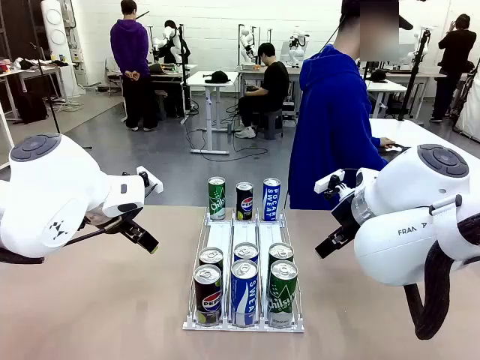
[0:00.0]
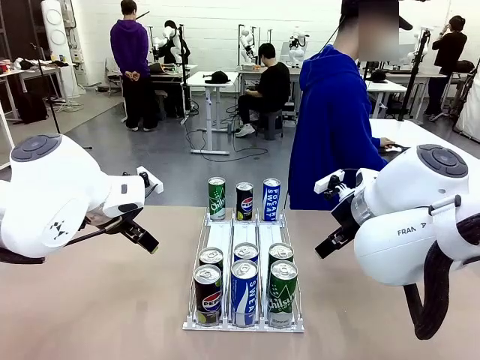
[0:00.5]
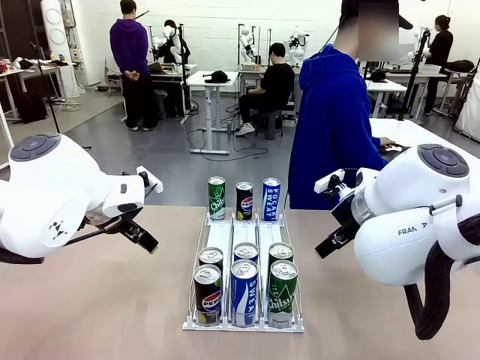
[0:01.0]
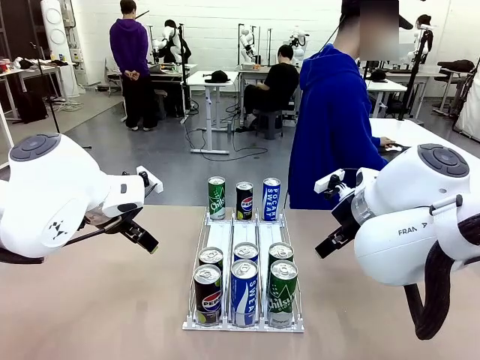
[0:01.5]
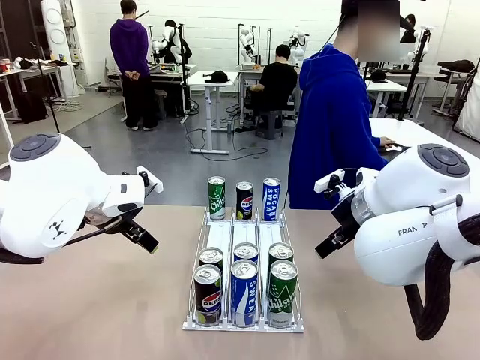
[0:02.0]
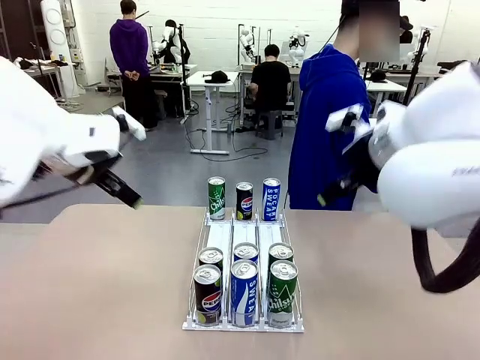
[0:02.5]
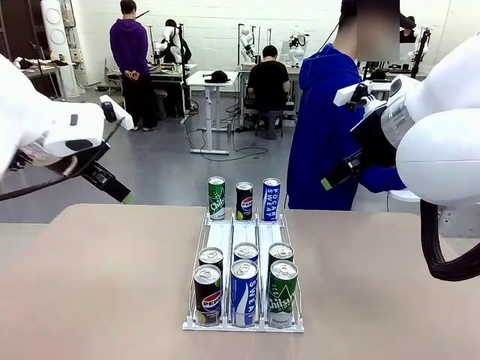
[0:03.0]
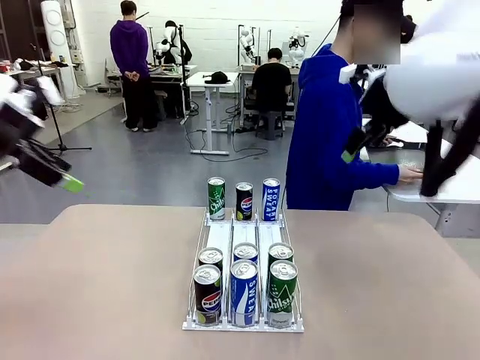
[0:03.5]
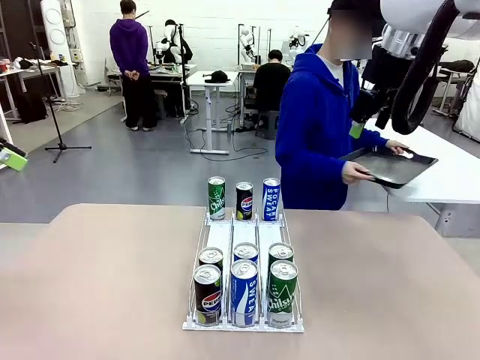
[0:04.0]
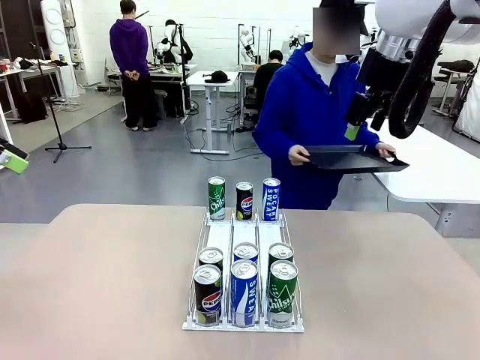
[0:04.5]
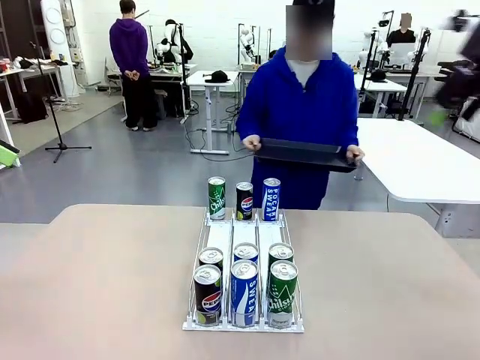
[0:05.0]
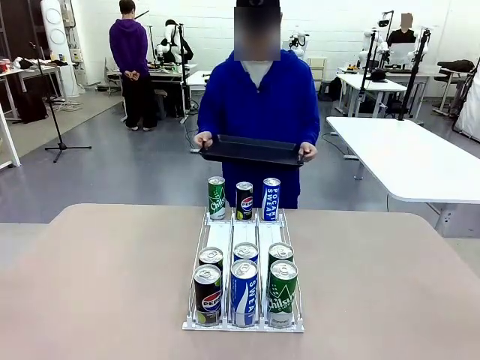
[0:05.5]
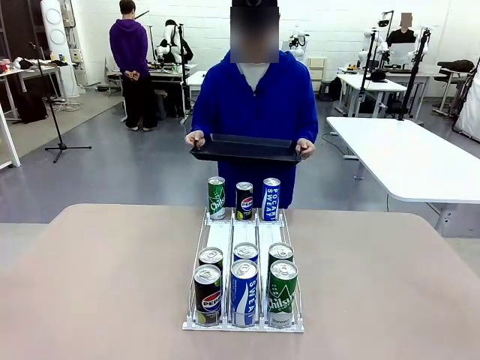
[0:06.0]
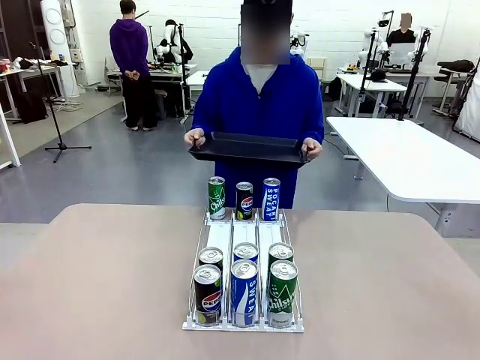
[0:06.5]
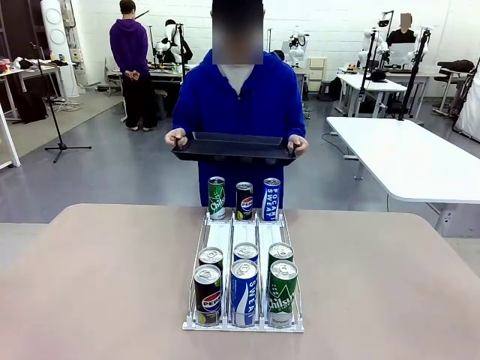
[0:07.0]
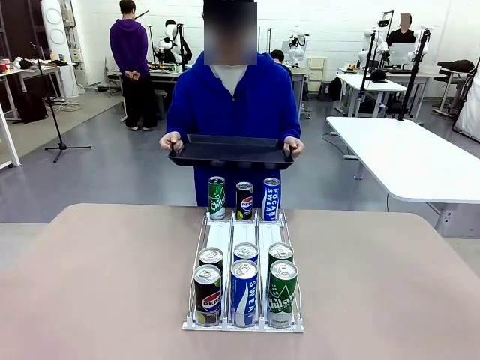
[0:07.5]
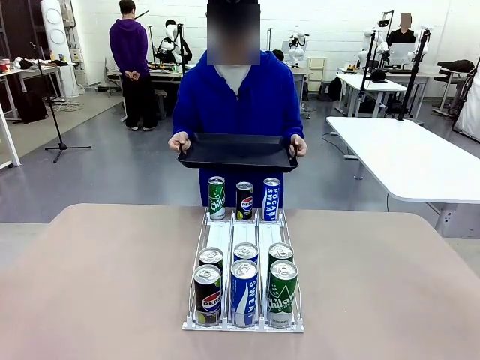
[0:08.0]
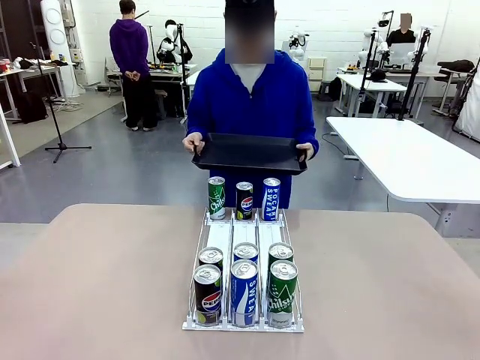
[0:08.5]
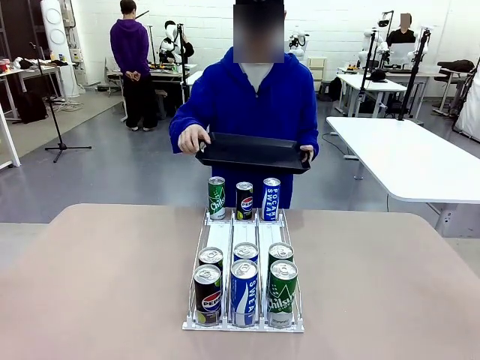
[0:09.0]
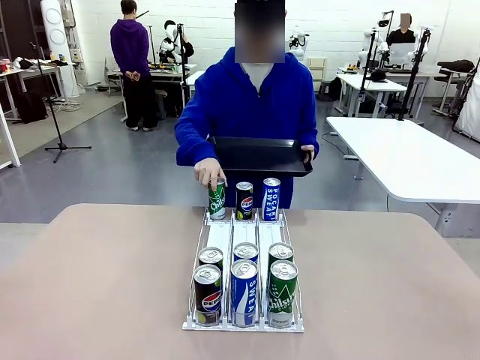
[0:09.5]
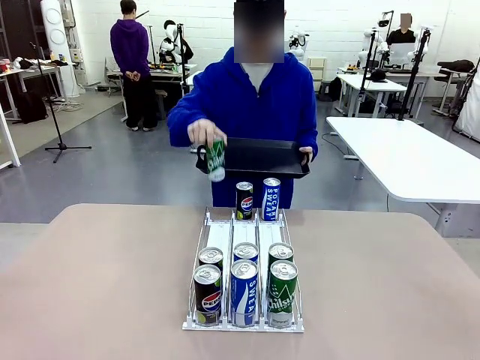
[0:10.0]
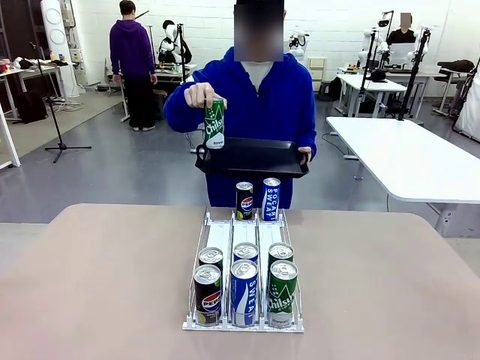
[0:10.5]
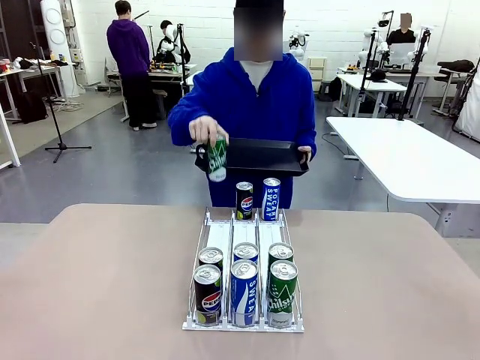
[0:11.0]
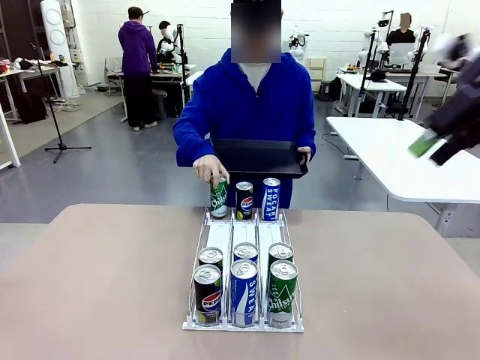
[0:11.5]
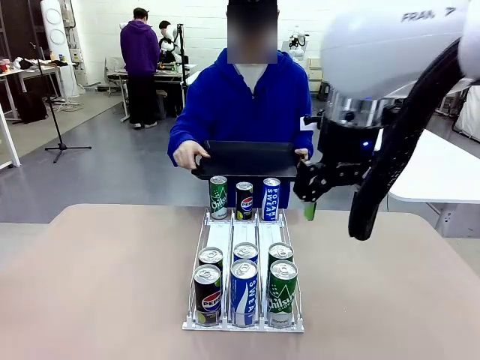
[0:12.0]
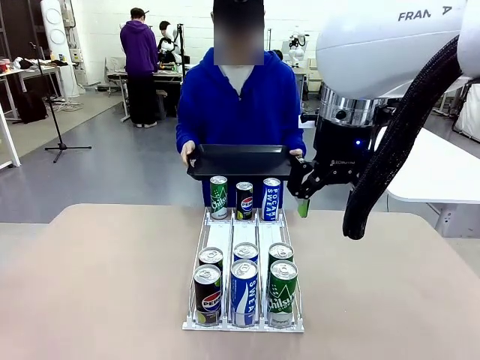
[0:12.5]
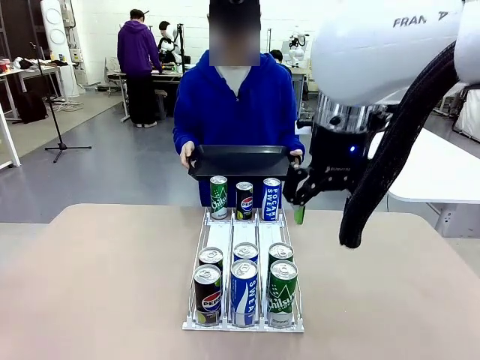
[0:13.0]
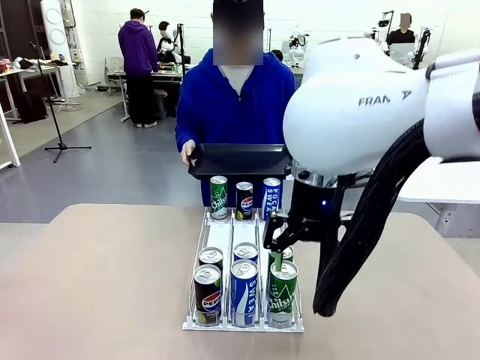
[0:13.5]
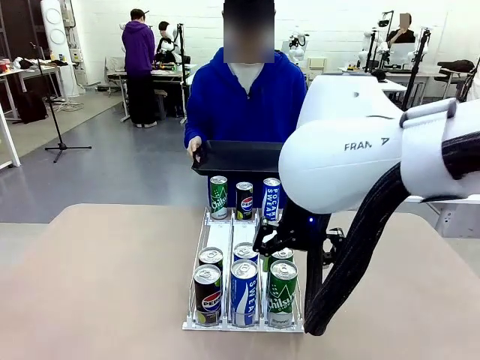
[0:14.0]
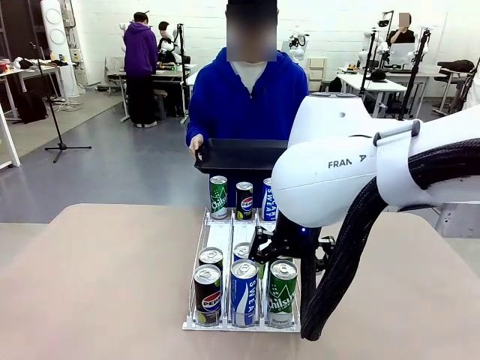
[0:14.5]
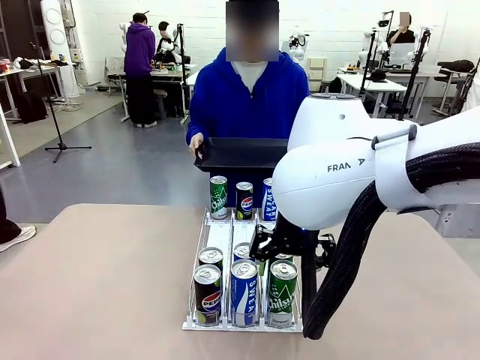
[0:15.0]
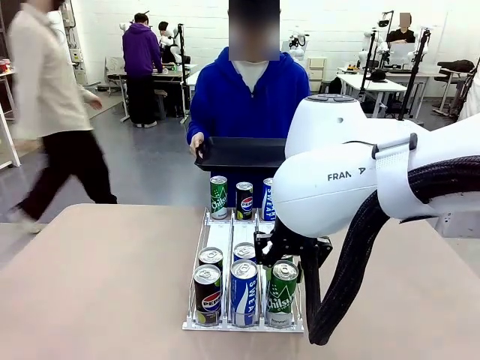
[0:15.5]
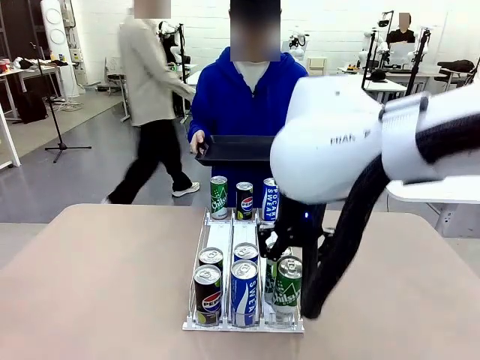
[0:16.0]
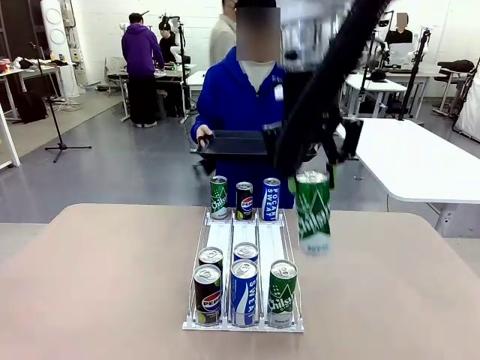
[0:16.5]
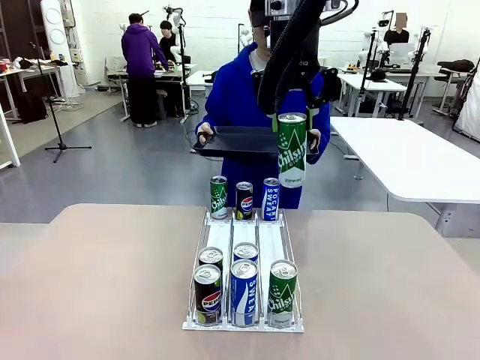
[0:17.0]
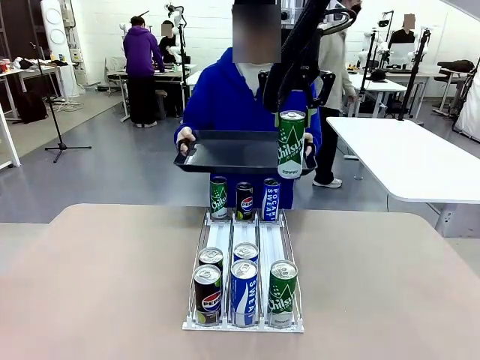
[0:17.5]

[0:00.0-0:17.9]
Task: Retrieve and hand over the desired beverage to the person.
Robot: Pick up a can of the same type that the person held from the Automatic Can Dispenser.
Person: Hold the tray and position yourself in front of the robot table. Pick up one can from the bottom area of the table and puts it back in its original place. Push the tray toward the robot.

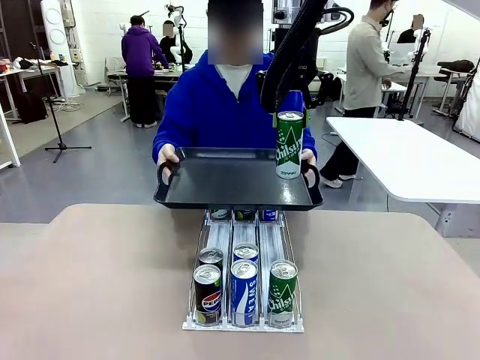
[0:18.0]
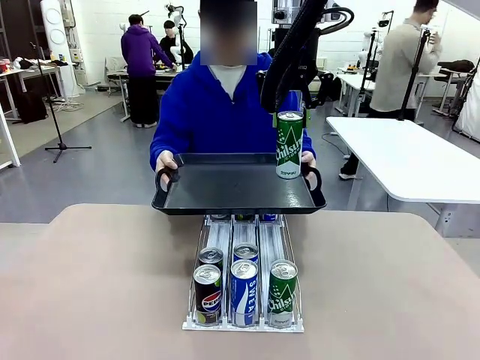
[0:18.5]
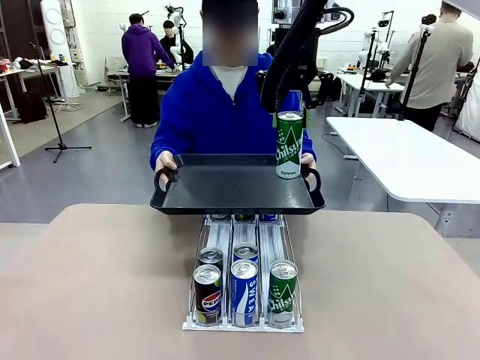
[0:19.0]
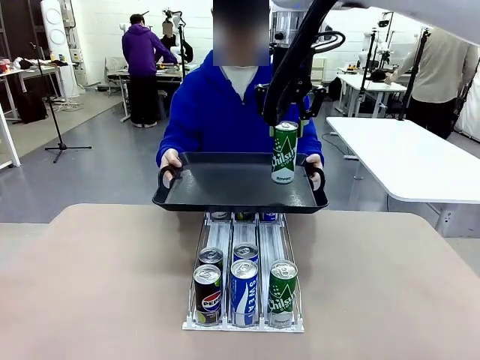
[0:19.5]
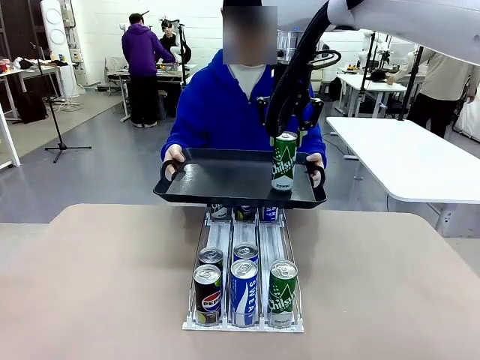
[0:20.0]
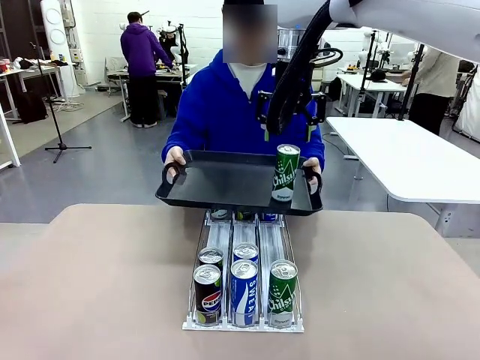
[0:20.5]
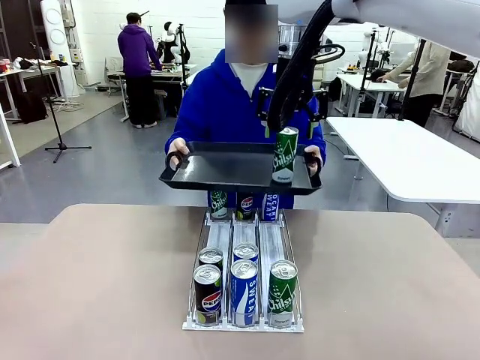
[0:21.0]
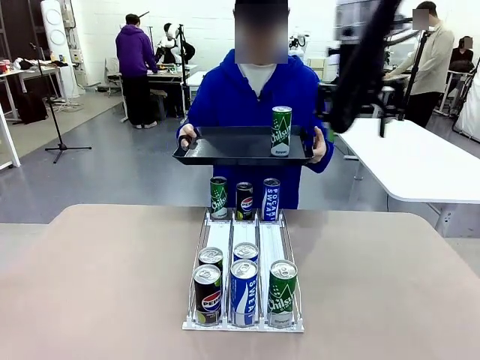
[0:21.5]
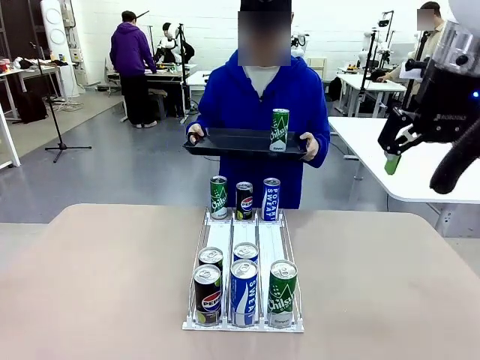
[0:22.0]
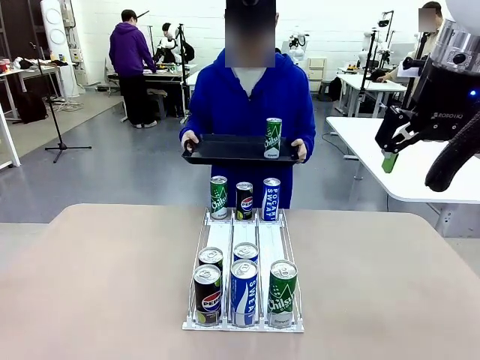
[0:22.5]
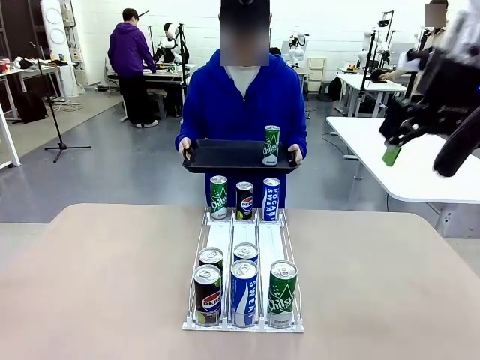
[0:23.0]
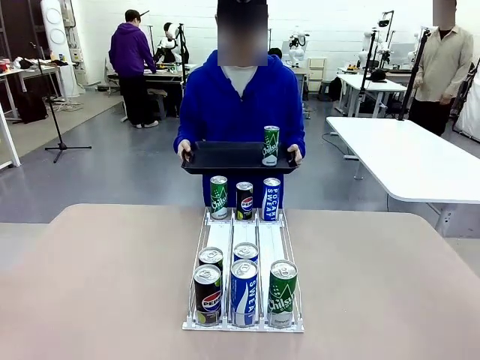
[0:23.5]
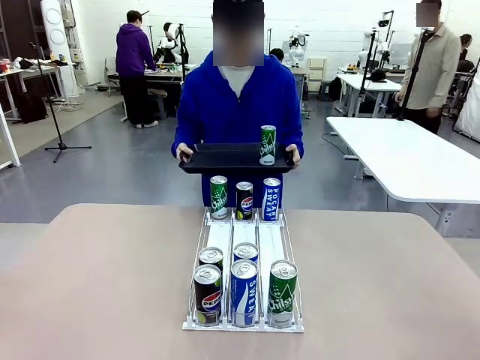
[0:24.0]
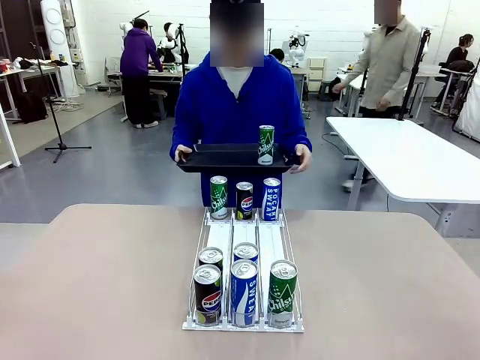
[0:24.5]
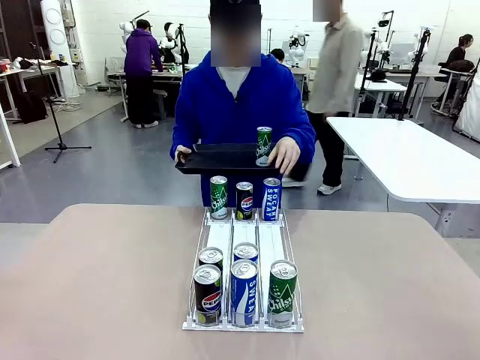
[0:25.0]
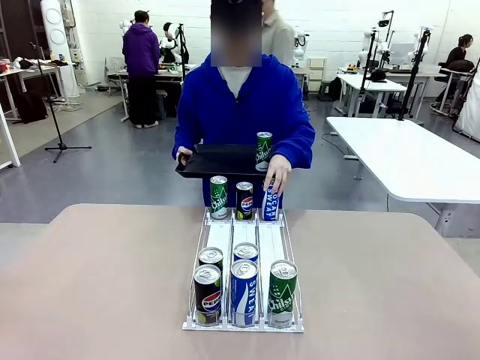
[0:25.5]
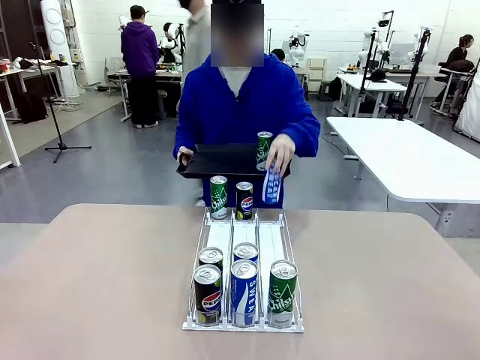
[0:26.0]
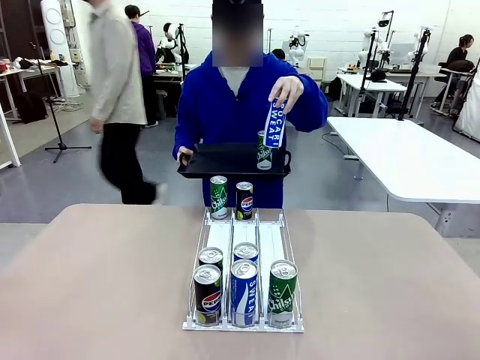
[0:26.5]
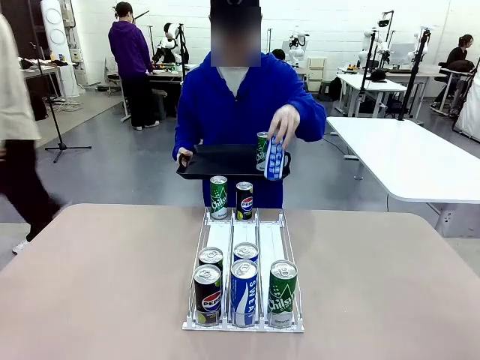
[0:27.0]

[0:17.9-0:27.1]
Robot: Place the picked can on the Handle tray extended by the person.
Person: Pull the tray back, then pick up another can from the bottom area of the table and puts it back in its original place.
